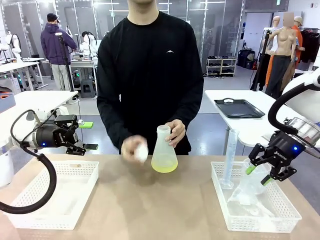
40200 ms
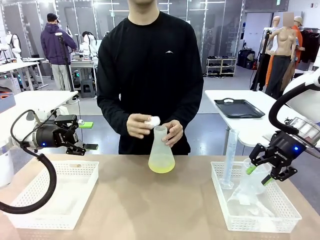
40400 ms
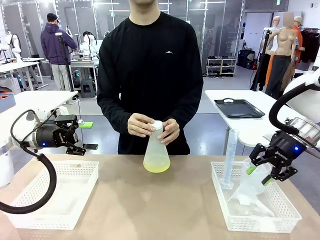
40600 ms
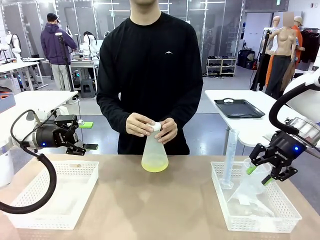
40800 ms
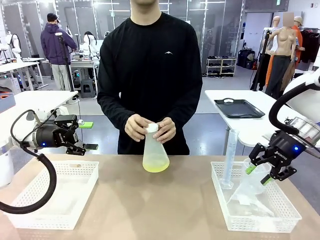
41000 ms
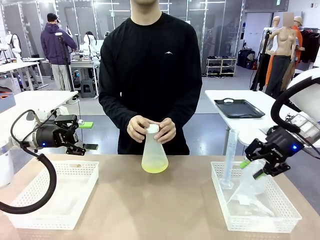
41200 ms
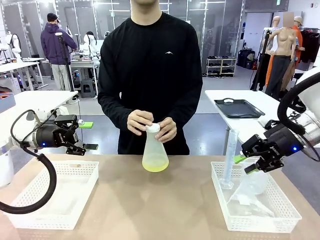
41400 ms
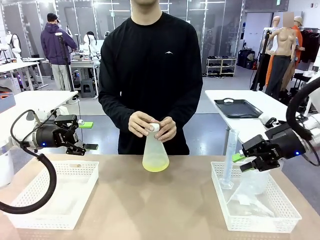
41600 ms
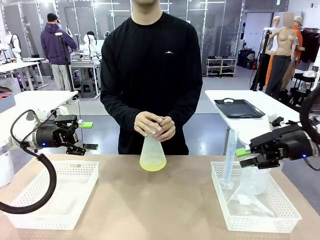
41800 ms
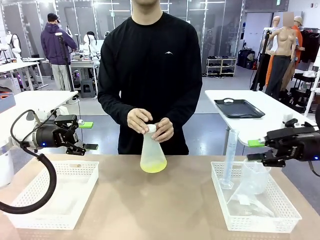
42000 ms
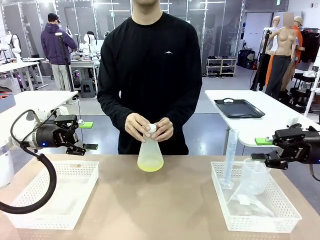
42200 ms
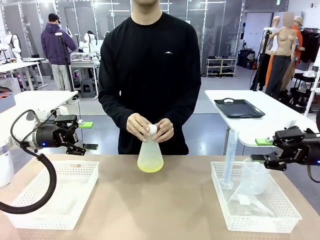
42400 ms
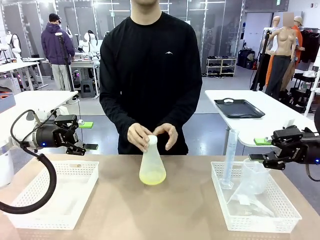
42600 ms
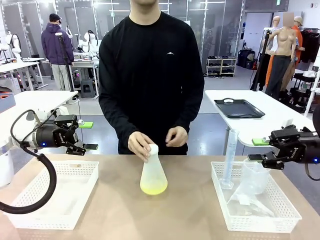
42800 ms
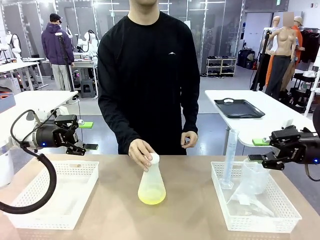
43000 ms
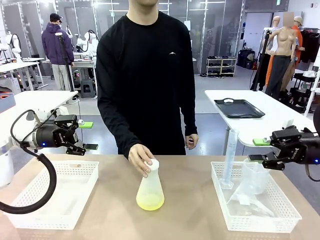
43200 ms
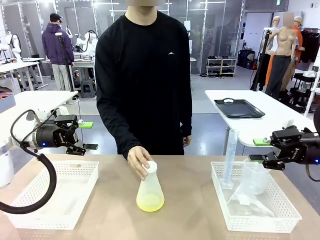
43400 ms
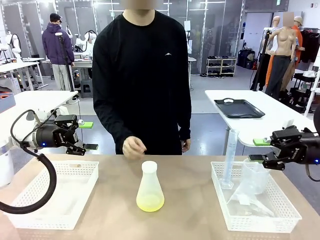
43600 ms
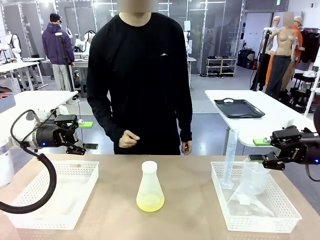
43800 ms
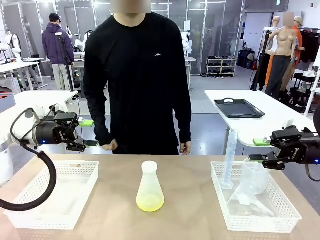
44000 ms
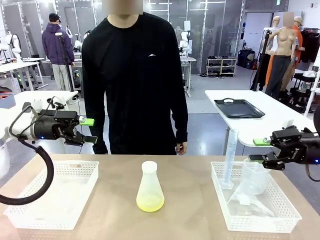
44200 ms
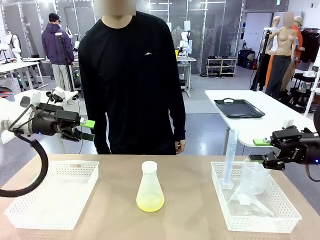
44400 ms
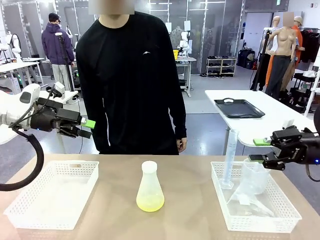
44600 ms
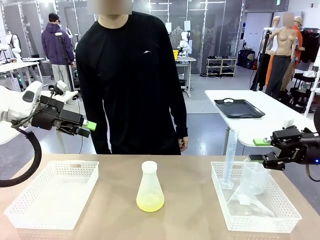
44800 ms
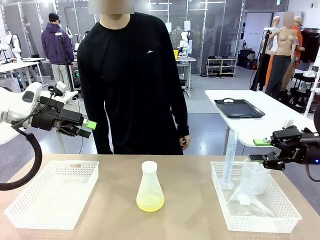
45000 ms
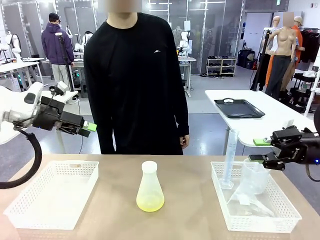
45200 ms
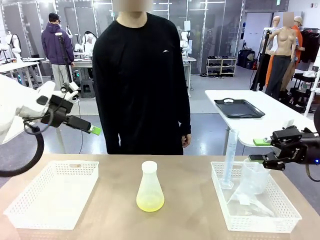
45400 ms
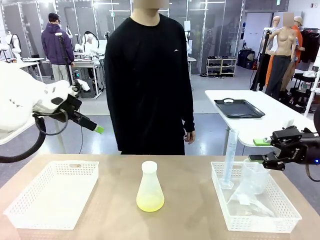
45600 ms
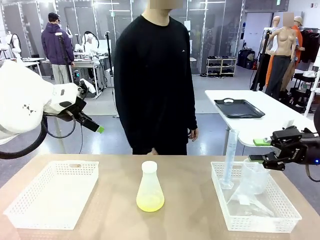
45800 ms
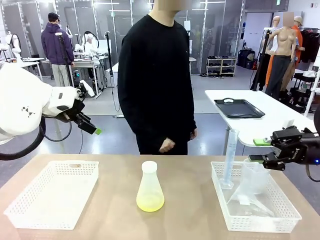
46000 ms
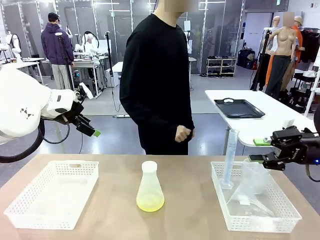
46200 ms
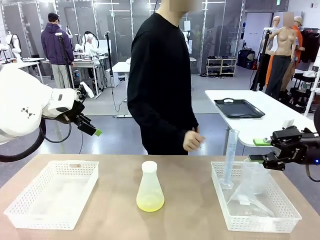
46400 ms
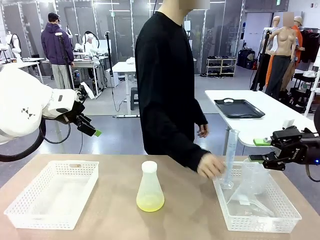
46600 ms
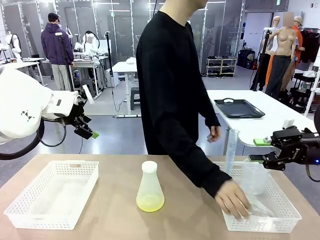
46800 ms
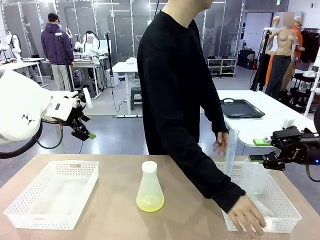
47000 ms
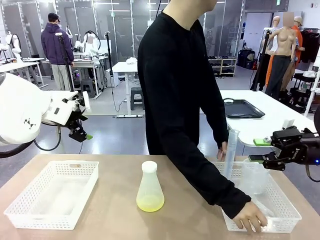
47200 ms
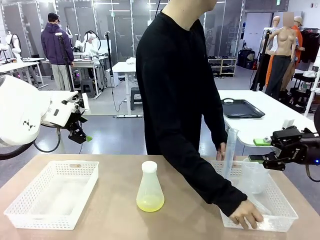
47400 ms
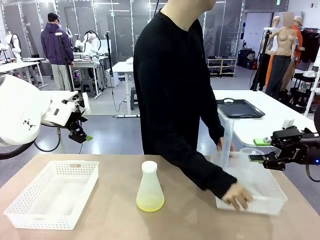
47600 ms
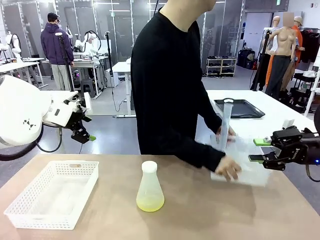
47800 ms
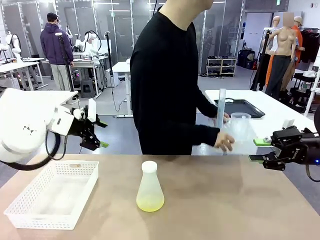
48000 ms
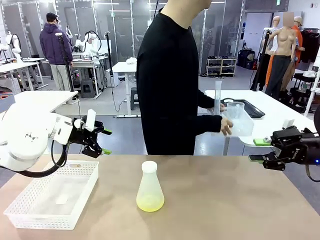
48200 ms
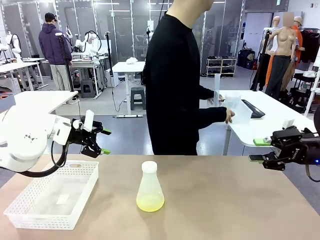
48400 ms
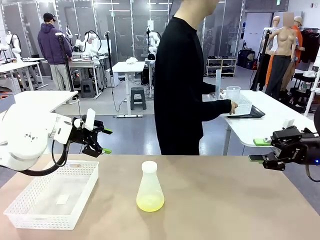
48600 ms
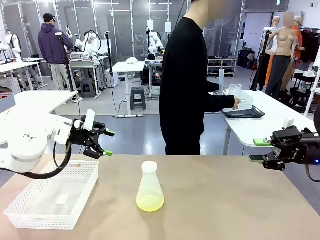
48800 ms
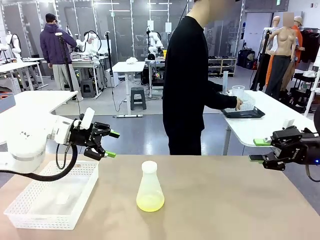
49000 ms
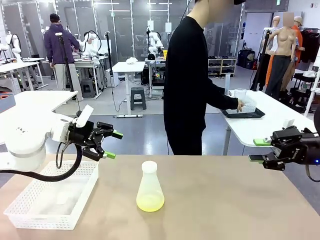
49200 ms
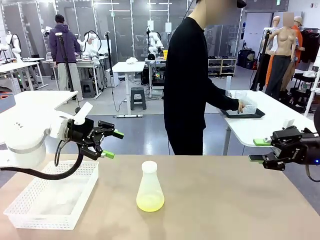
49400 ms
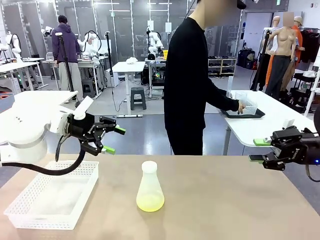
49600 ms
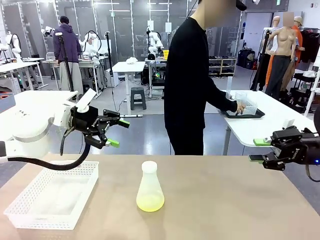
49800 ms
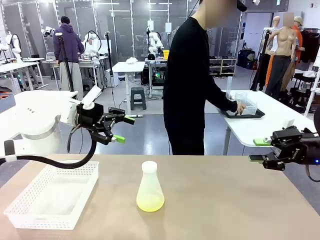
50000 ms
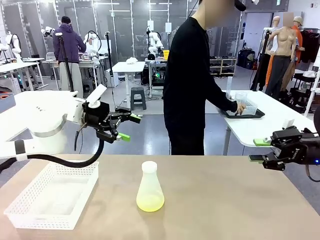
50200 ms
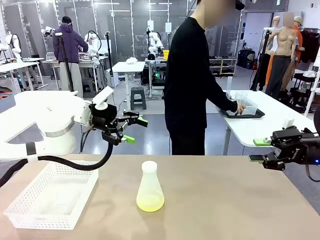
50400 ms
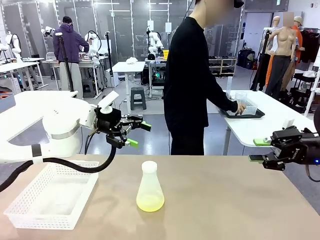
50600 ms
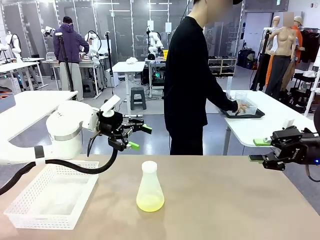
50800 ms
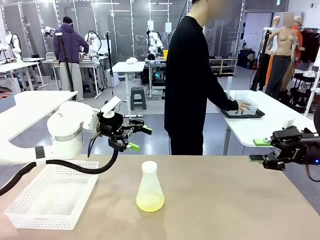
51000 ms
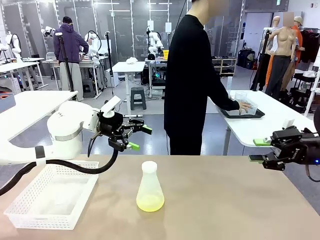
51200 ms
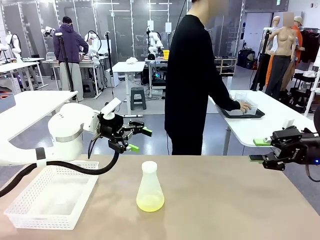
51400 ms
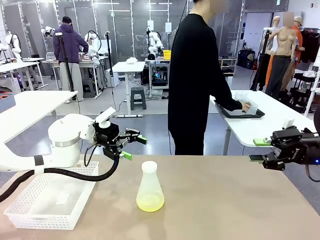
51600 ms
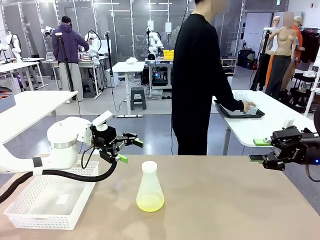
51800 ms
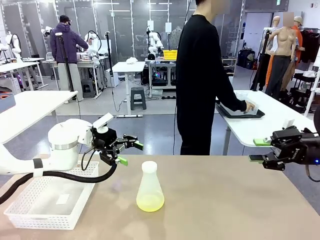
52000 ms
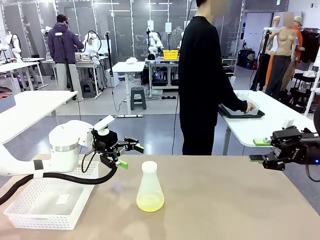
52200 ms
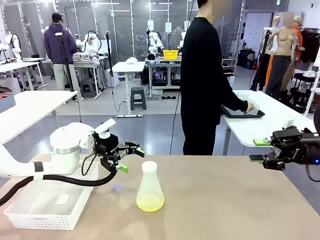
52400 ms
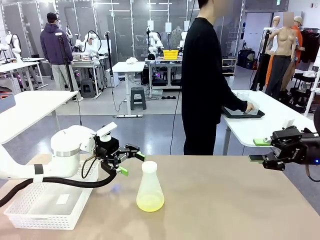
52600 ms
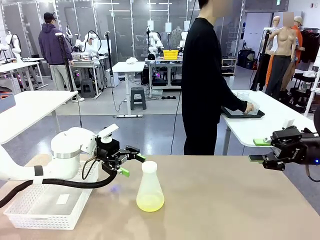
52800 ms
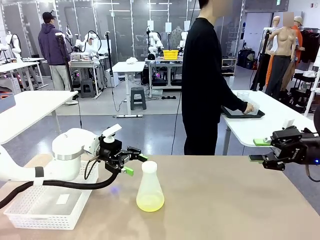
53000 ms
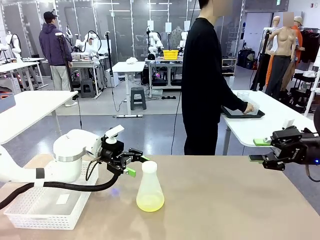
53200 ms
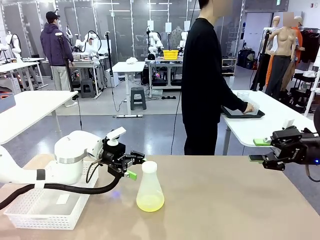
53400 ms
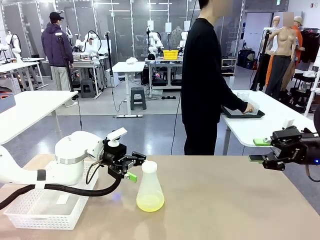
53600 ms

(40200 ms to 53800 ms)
Task: Prepare the solutions needed for the experiment.
Robot: When the human places the Big flask in the center of the table, pick up the Big flask and place it in the left Organizing basket.
